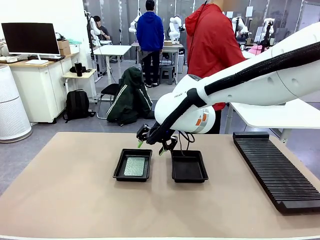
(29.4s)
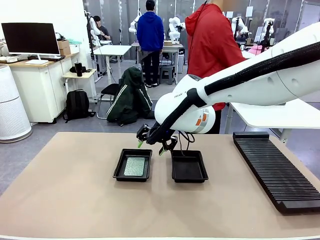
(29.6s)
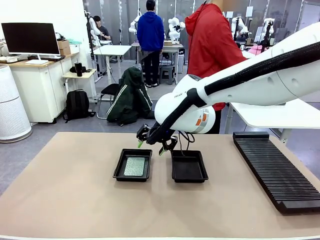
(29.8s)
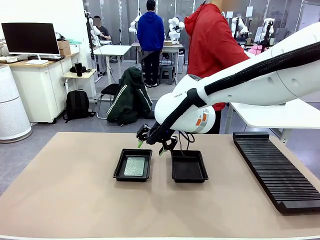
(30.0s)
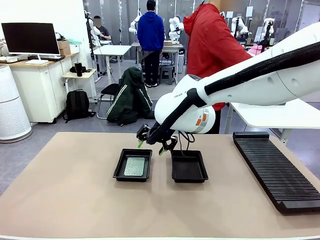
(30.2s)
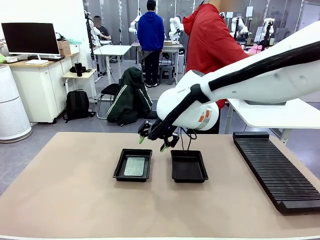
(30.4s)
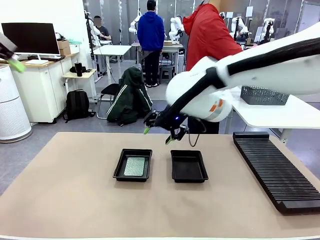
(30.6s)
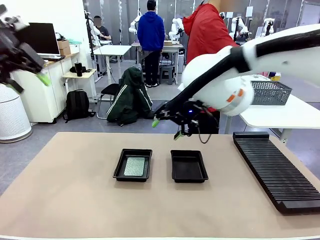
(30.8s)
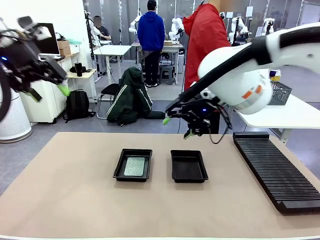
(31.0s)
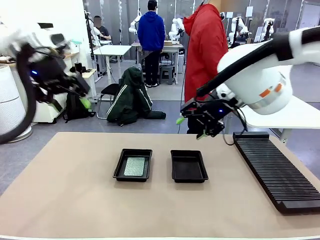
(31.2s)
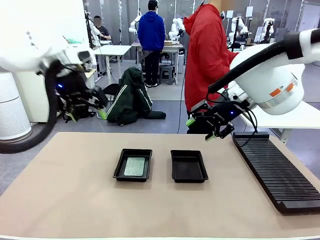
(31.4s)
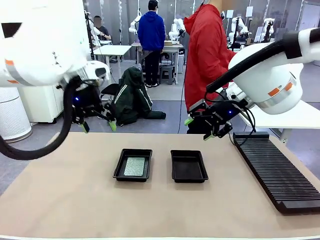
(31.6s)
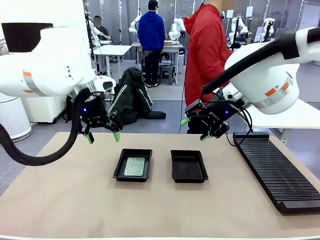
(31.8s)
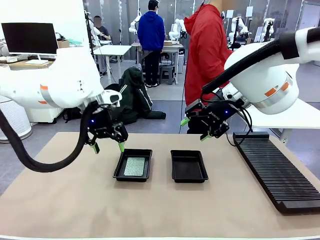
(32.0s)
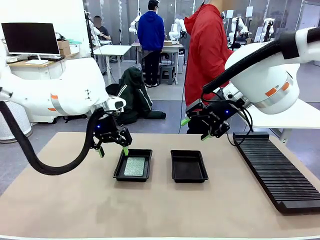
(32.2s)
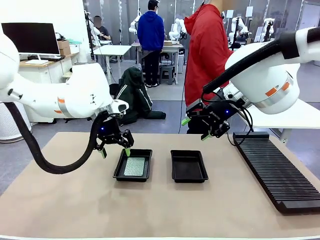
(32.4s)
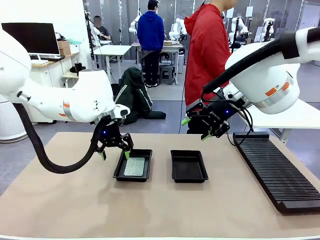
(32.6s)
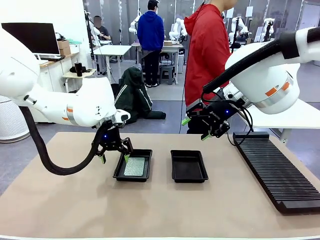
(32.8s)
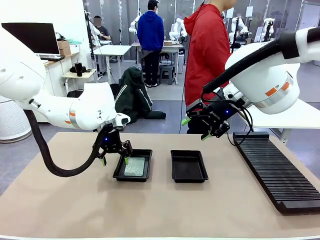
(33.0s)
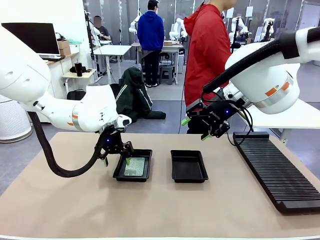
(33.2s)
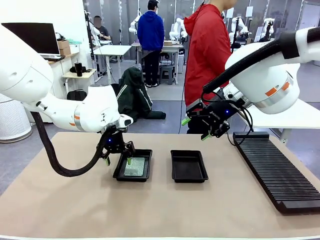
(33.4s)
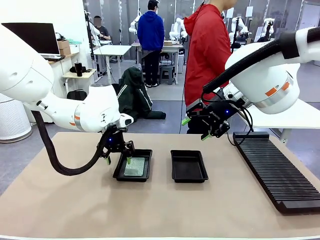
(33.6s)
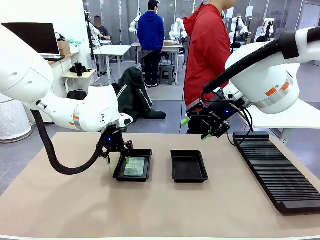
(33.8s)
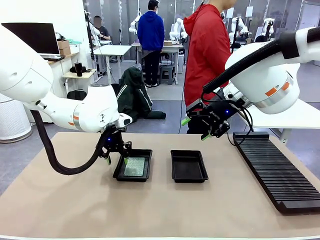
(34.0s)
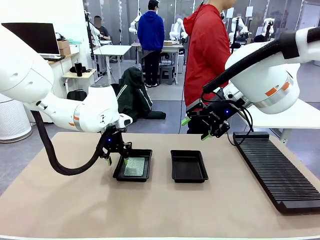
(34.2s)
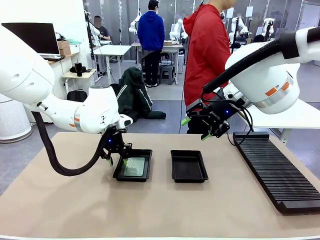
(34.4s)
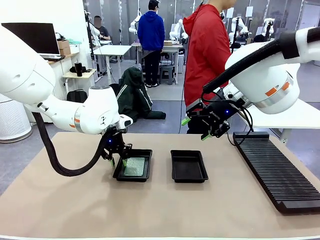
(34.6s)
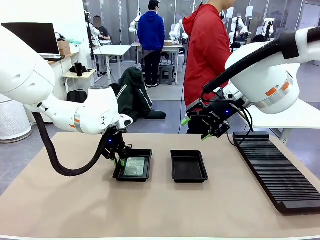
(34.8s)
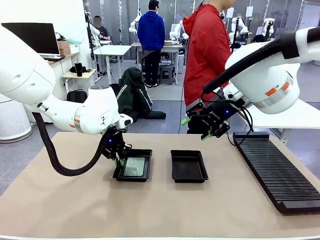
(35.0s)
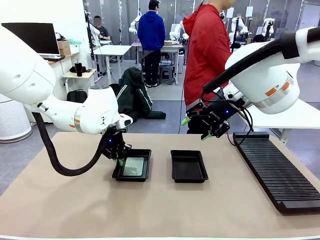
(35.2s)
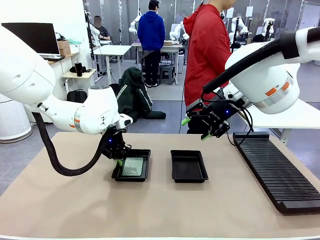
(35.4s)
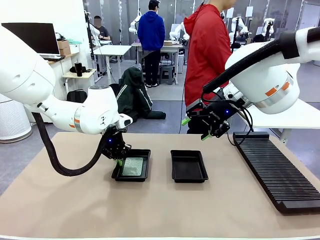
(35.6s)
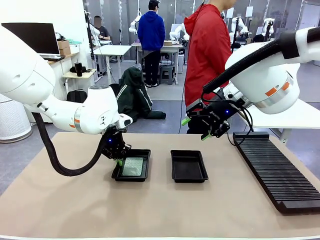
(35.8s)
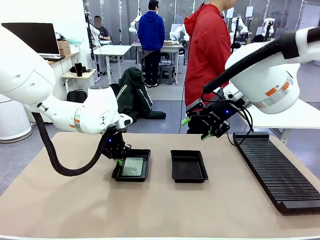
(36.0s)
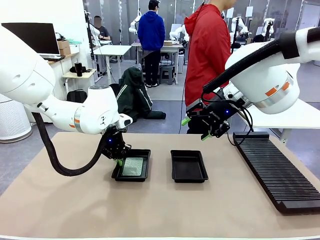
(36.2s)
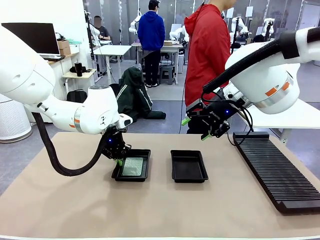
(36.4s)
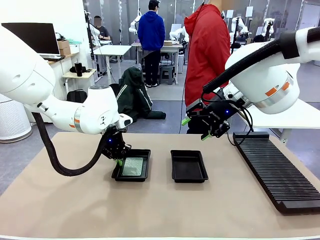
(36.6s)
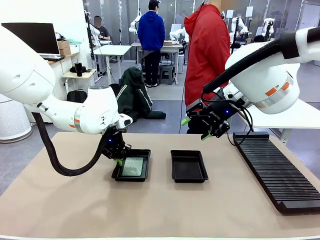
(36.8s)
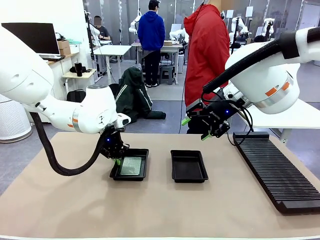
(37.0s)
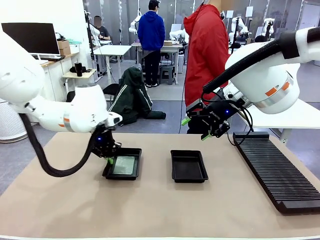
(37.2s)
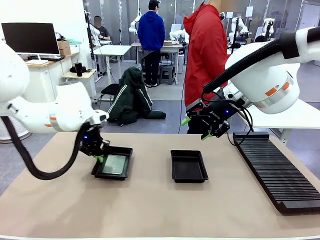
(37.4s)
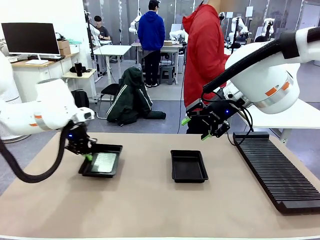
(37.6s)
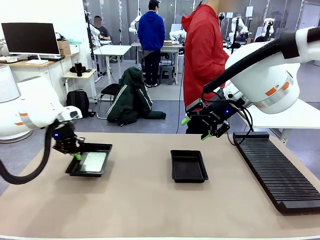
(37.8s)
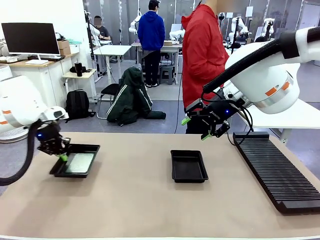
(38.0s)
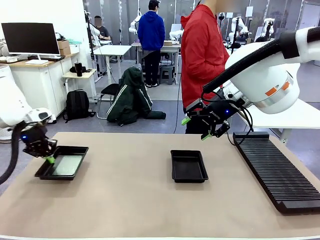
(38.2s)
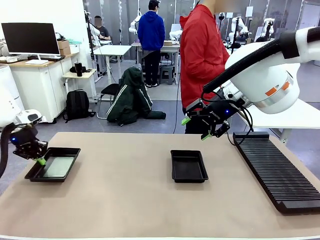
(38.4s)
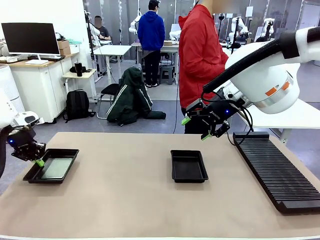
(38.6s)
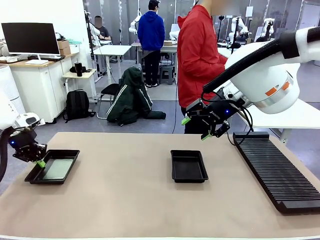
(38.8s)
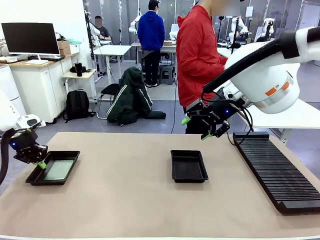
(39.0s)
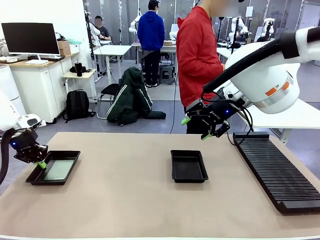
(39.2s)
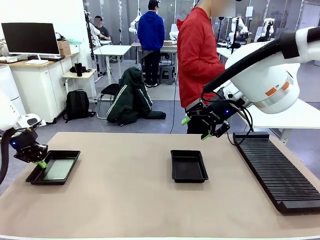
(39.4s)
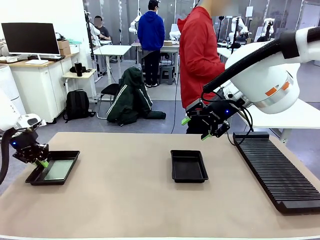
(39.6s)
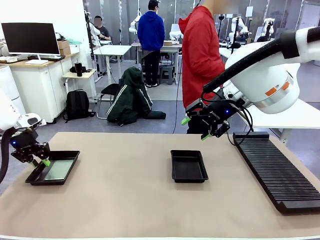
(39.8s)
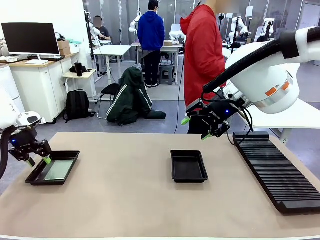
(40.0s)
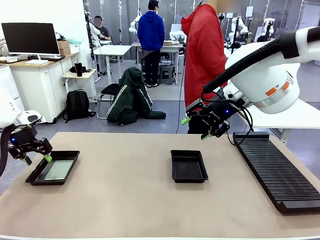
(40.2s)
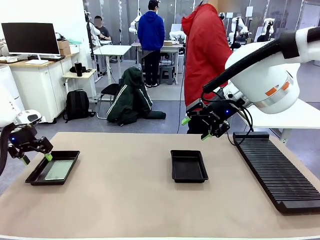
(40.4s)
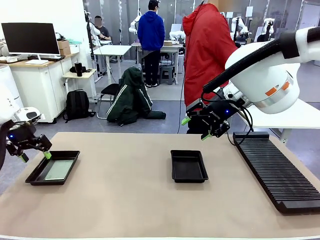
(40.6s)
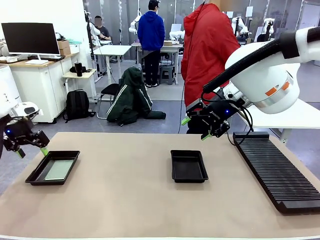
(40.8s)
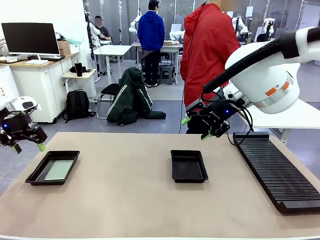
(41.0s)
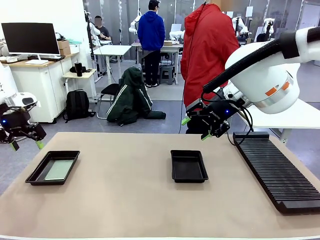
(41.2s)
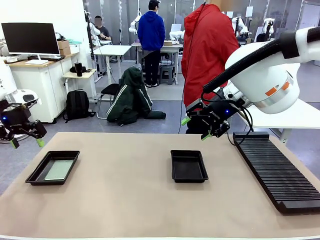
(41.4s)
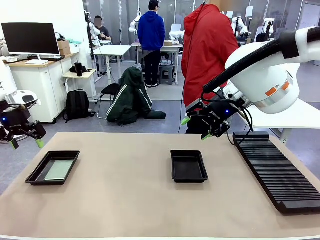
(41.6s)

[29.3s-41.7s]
Task: Inspect and transfer BCBs to ESD trays.
Robot: Pick up the ESD tray and place it on the left side of the table.
